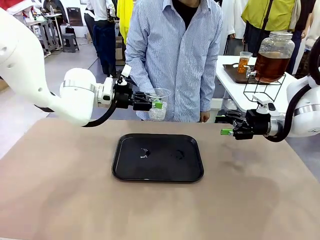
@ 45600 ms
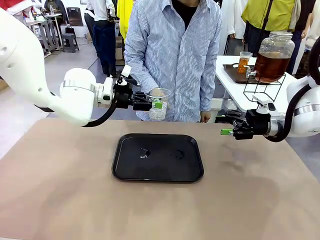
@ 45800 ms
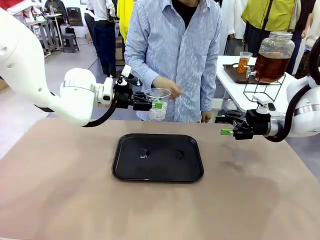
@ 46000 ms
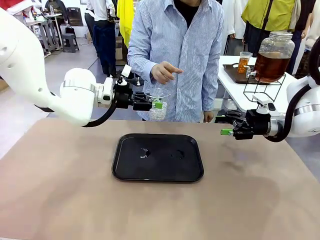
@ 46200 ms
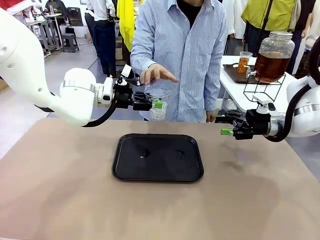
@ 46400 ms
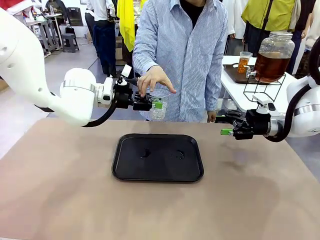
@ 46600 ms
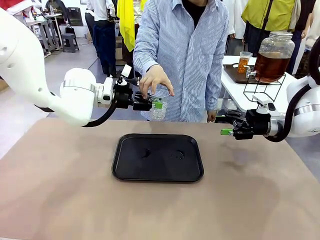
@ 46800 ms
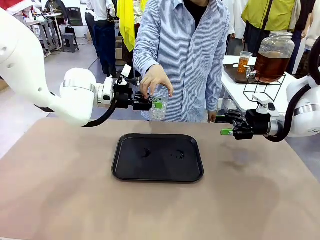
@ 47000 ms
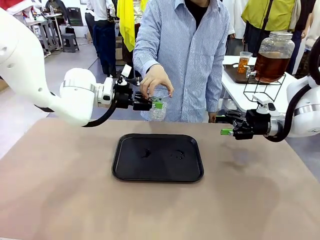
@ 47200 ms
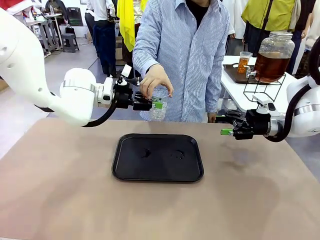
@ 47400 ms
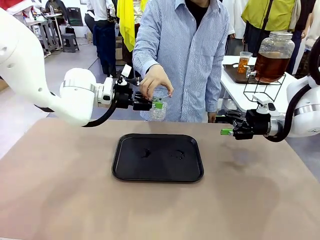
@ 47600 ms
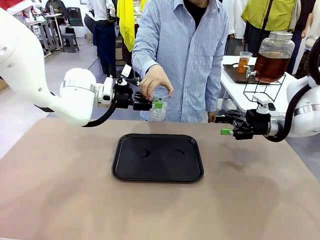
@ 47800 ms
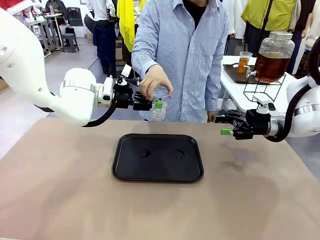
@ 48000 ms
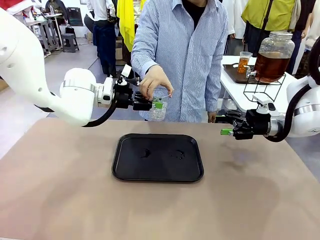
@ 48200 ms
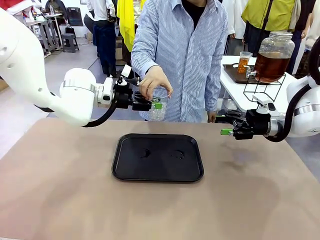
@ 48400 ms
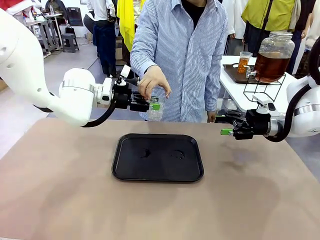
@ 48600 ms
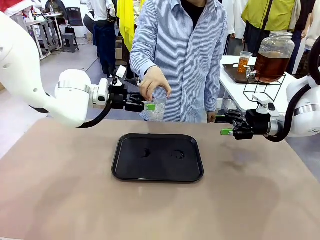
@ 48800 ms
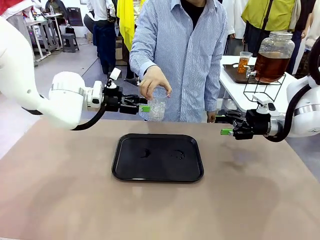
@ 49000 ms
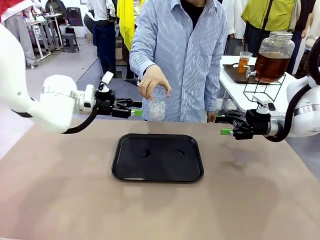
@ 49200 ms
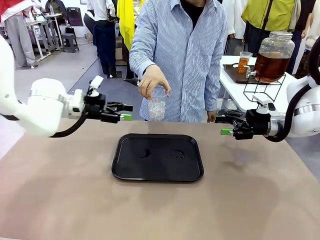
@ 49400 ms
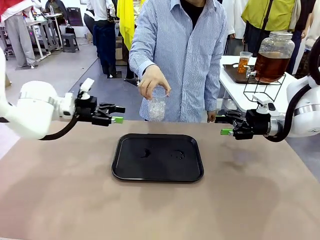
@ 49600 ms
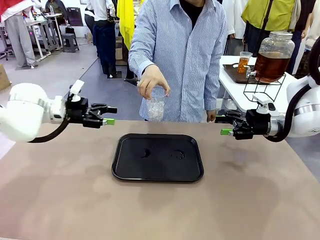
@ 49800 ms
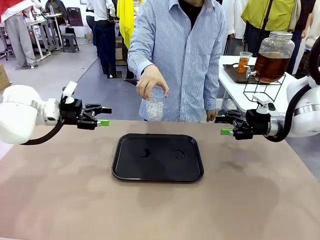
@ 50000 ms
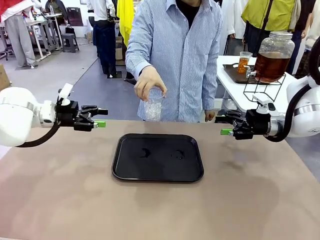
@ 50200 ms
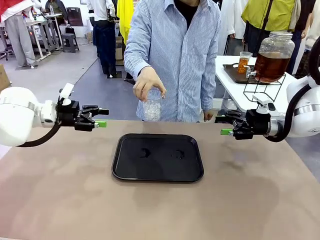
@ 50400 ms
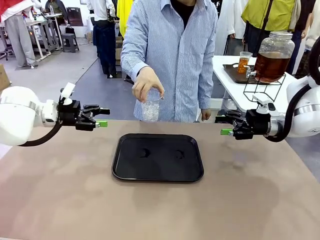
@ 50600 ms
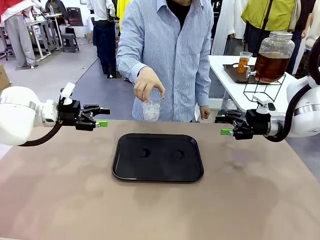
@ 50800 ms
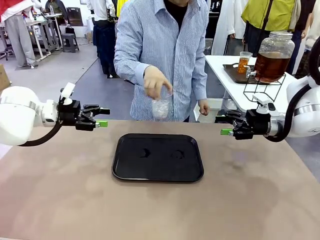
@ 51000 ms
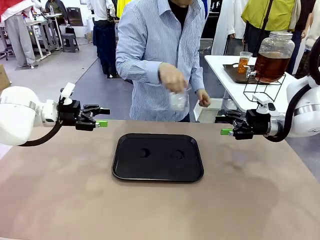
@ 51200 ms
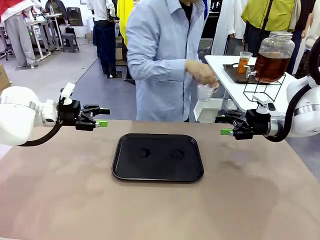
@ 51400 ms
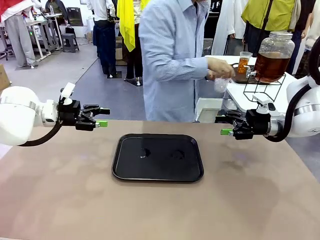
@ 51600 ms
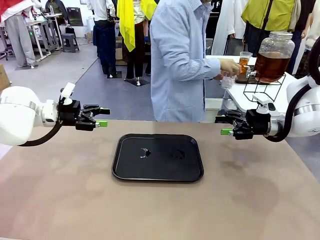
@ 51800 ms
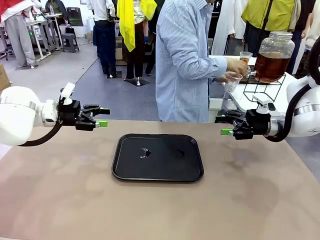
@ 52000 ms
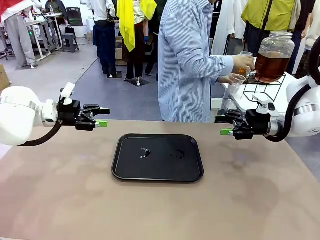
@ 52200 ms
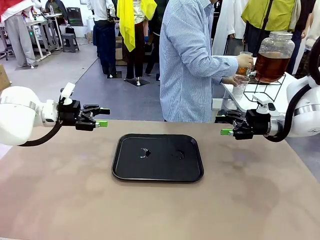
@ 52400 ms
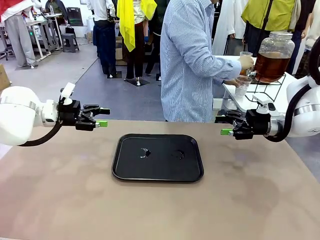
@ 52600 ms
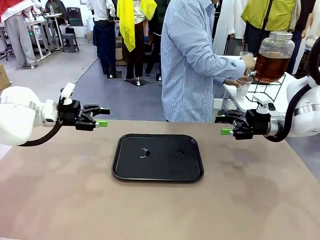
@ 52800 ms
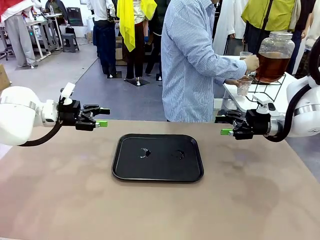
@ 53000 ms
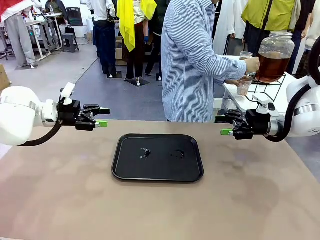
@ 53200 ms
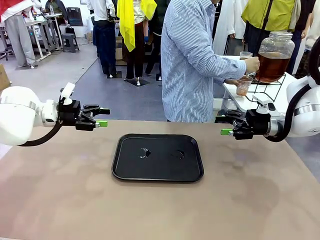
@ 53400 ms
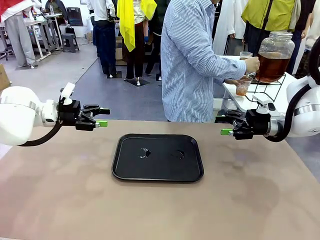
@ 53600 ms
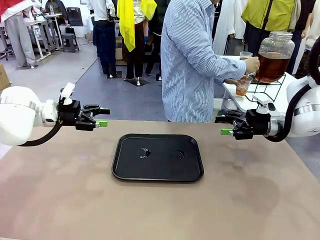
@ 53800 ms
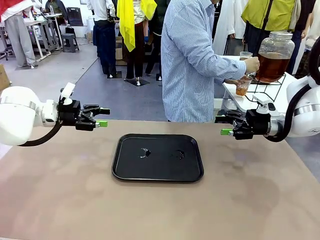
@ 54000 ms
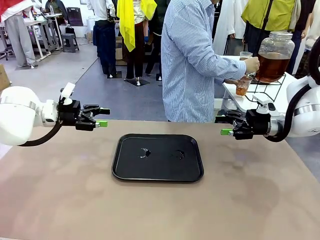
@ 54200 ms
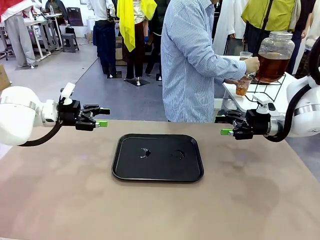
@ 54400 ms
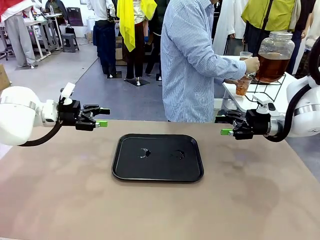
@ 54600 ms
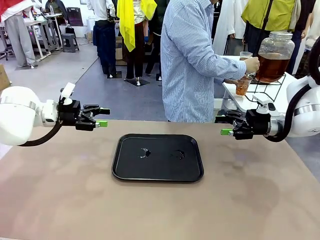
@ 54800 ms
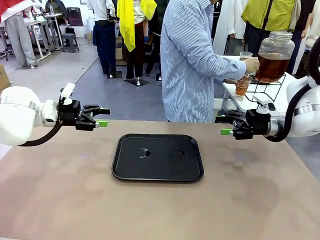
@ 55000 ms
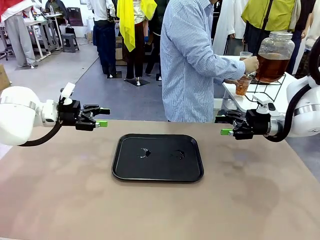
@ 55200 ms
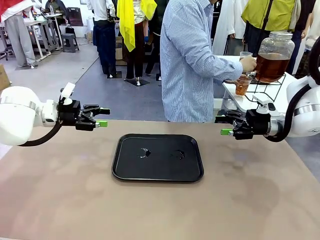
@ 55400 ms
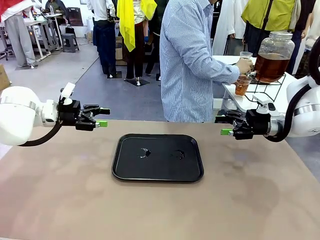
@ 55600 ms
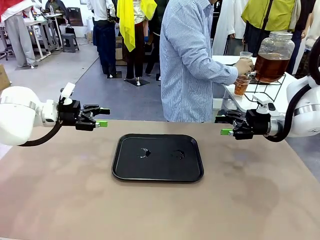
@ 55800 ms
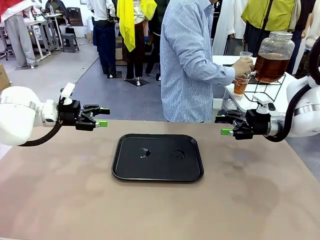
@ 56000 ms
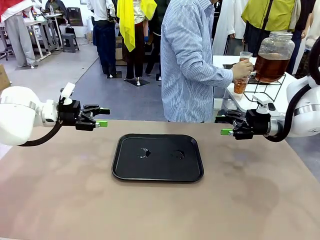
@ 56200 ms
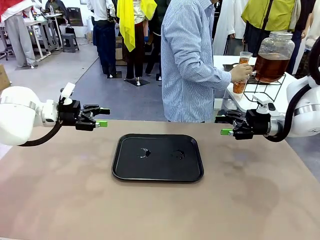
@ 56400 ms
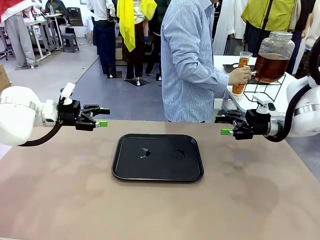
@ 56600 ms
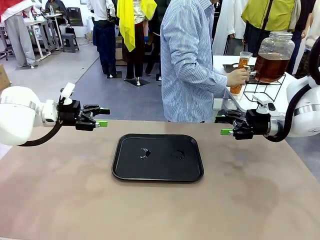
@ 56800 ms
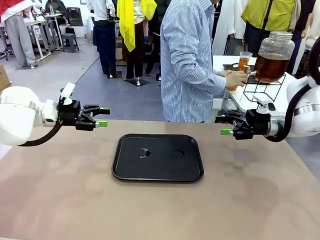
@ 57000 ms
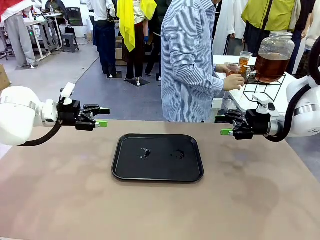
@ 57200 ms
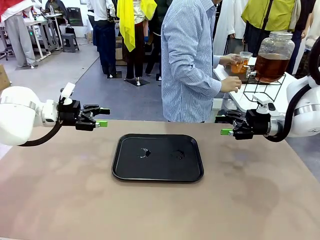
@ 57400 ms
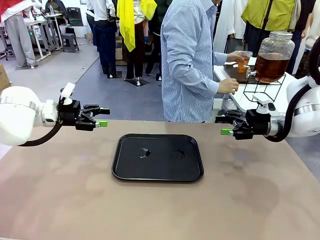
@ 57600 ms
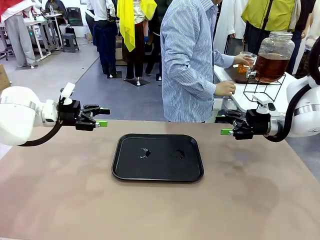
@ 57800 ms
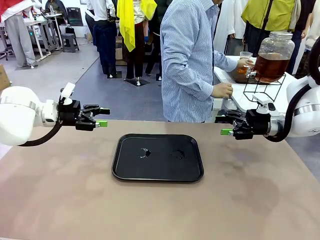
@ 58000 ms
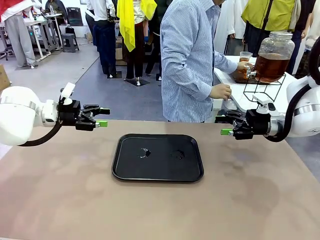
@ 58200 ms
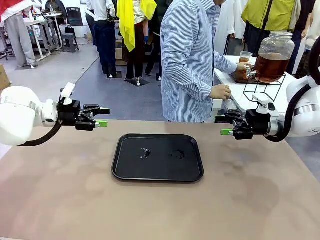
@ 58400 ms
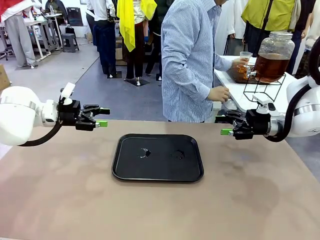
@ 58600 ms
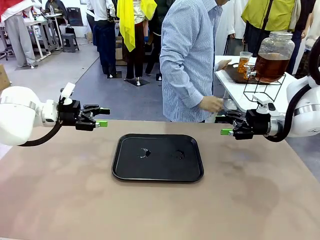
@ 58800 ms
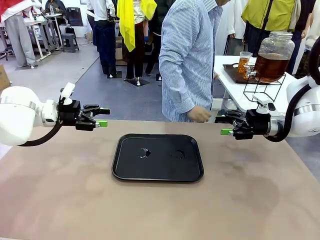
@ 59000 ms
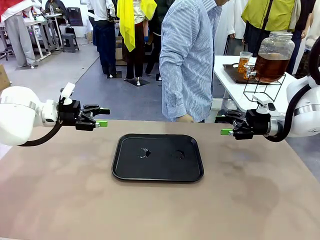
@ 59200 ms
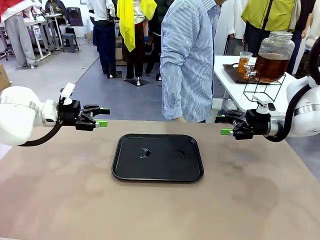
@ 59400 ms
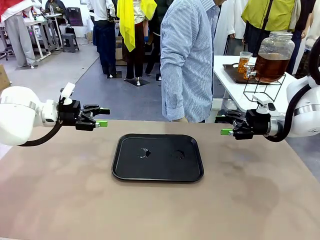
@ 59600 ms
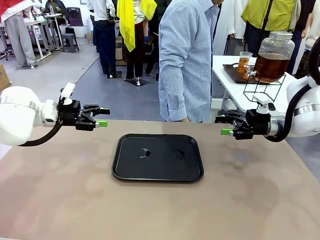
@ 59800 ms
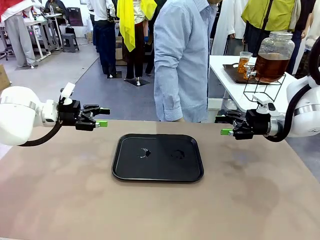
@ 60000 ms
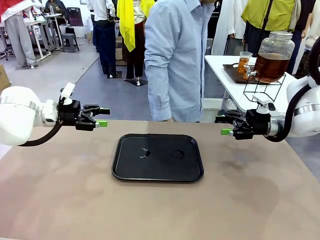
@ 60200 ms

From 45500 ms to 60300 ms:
Task: Pour the drink into the iced cup.
Robot: Open the gripper to release the iced cup you were holding.
Person: Move the picked-up cup under the dispenser faucet, pour the drink, and place it on the tray on the human table.
